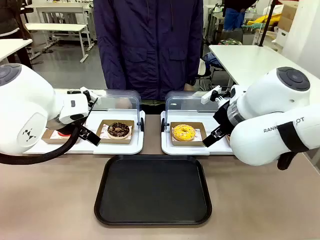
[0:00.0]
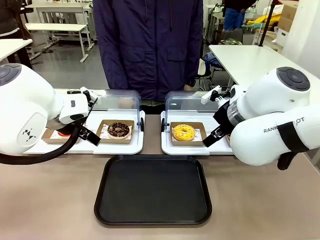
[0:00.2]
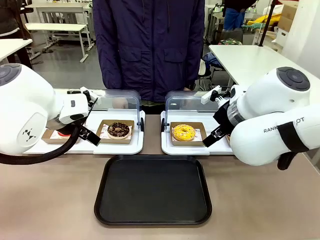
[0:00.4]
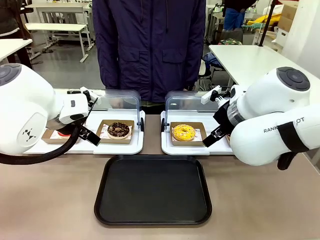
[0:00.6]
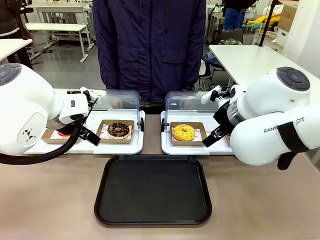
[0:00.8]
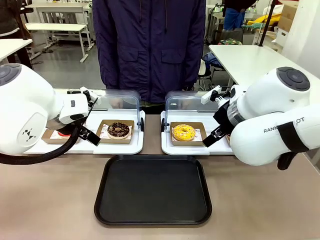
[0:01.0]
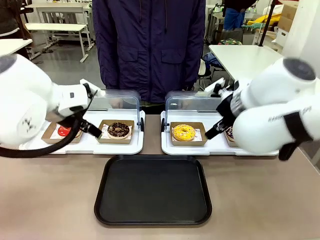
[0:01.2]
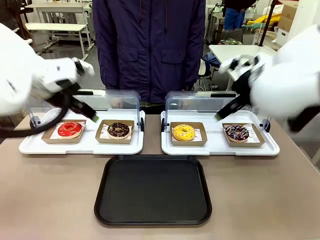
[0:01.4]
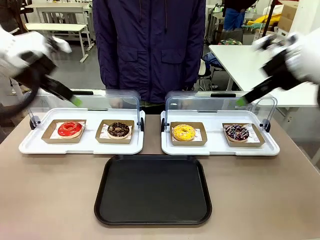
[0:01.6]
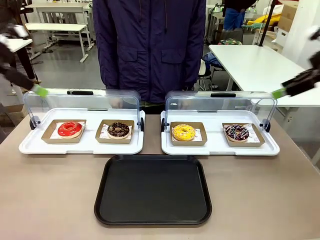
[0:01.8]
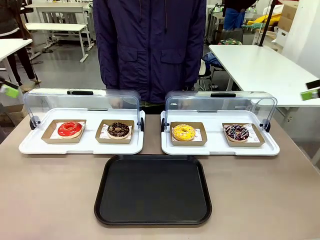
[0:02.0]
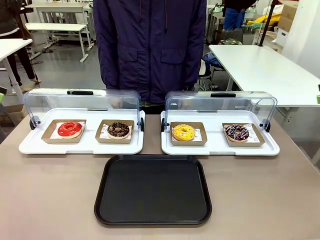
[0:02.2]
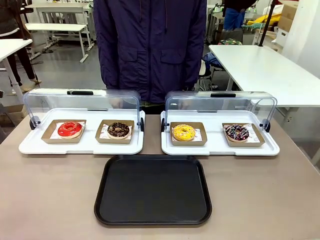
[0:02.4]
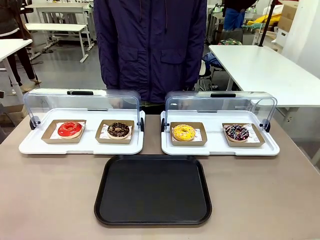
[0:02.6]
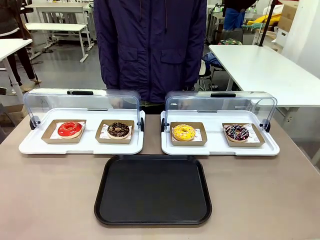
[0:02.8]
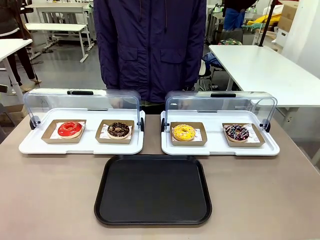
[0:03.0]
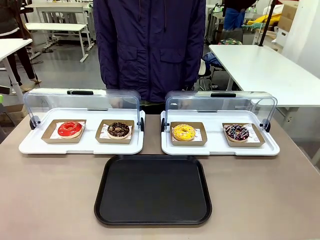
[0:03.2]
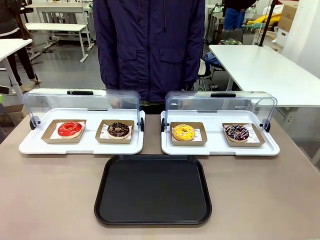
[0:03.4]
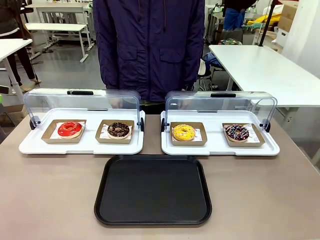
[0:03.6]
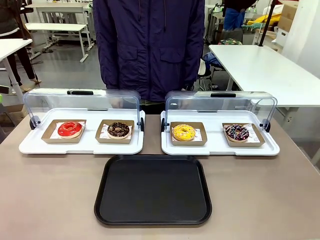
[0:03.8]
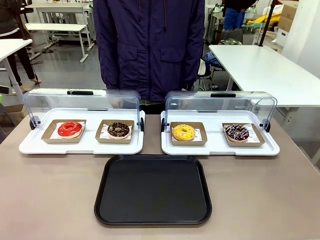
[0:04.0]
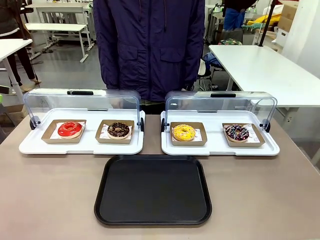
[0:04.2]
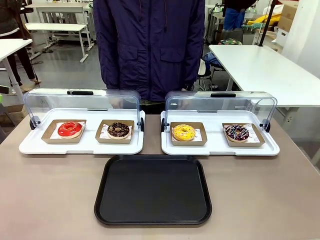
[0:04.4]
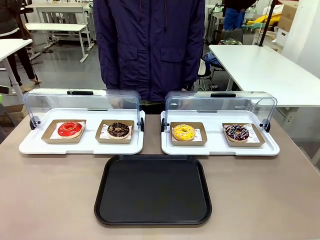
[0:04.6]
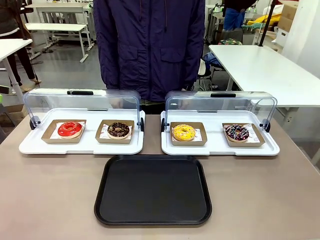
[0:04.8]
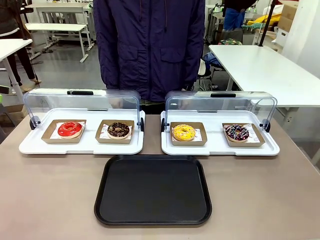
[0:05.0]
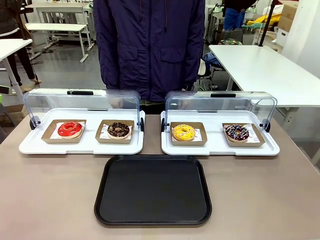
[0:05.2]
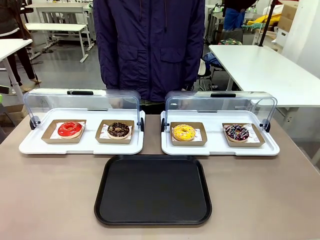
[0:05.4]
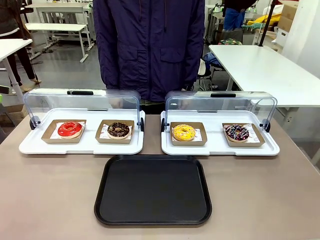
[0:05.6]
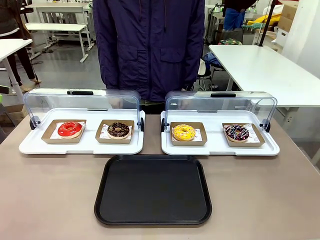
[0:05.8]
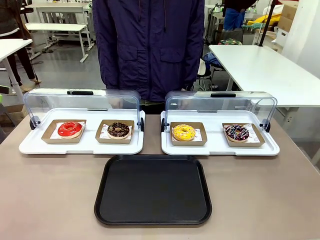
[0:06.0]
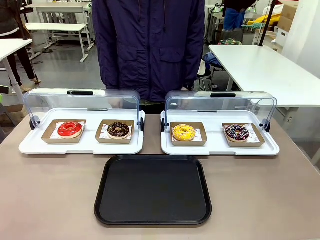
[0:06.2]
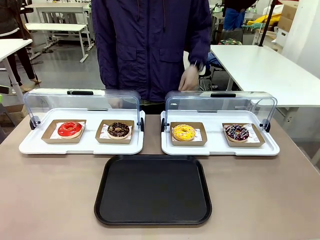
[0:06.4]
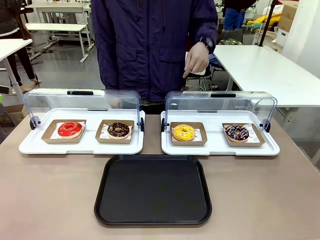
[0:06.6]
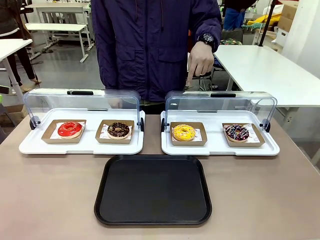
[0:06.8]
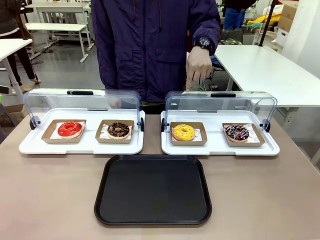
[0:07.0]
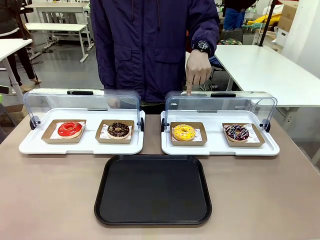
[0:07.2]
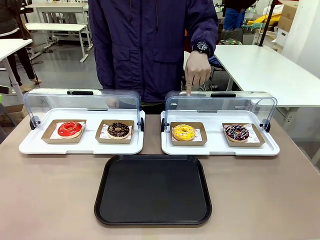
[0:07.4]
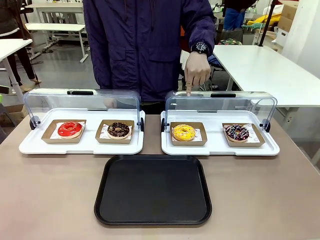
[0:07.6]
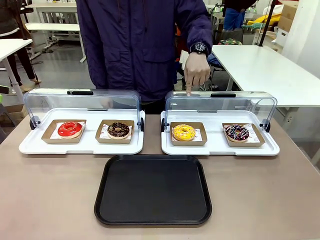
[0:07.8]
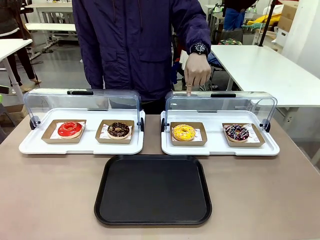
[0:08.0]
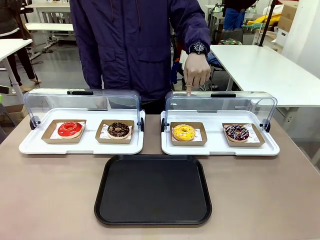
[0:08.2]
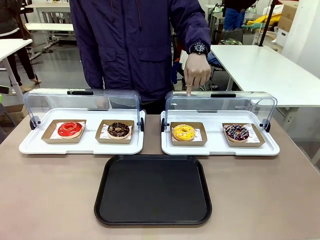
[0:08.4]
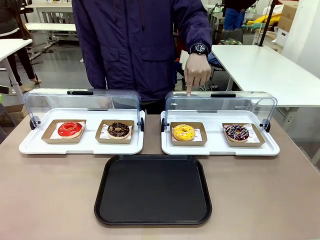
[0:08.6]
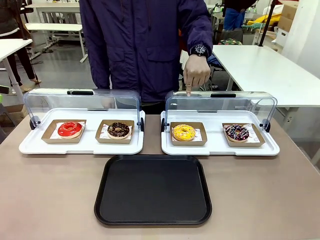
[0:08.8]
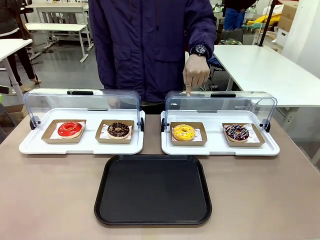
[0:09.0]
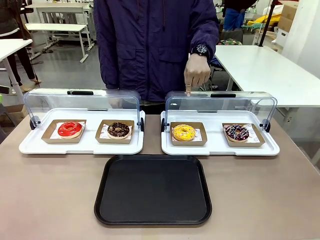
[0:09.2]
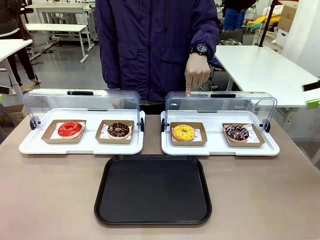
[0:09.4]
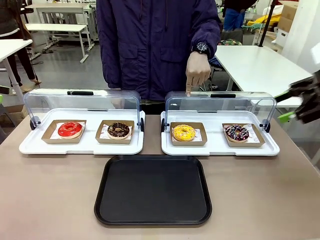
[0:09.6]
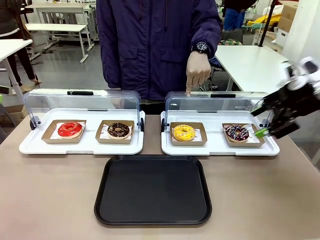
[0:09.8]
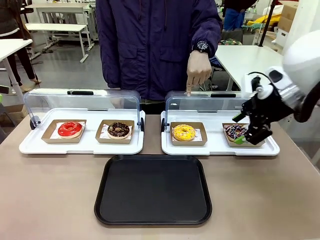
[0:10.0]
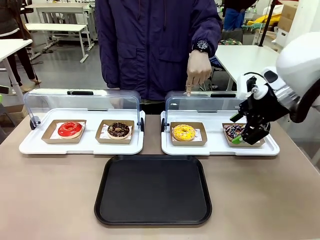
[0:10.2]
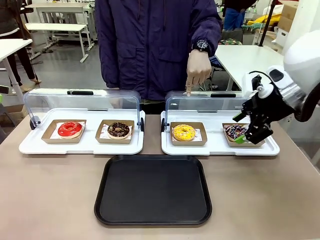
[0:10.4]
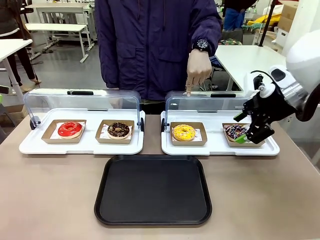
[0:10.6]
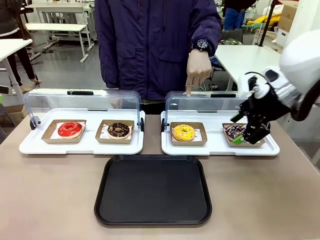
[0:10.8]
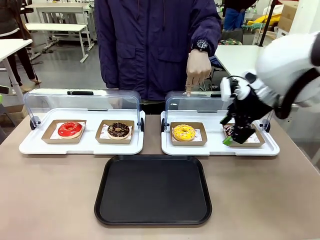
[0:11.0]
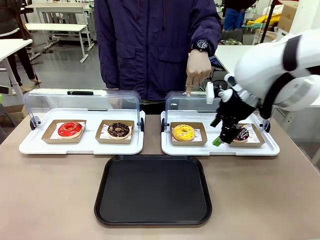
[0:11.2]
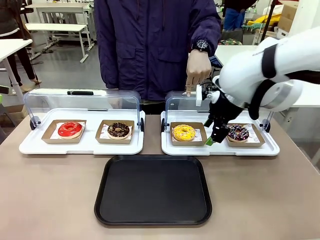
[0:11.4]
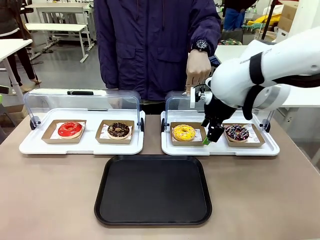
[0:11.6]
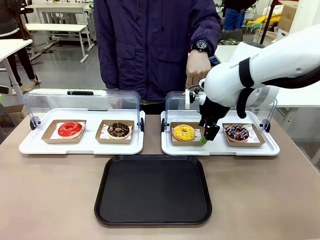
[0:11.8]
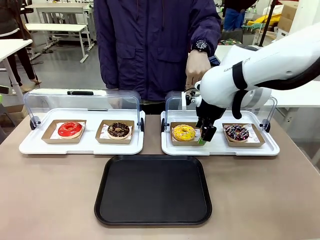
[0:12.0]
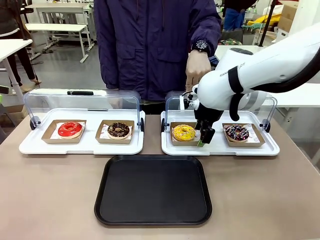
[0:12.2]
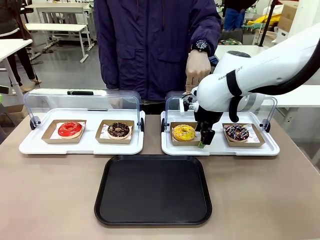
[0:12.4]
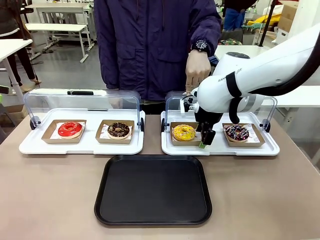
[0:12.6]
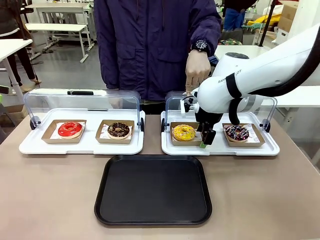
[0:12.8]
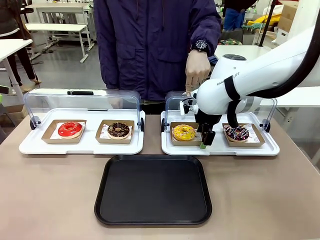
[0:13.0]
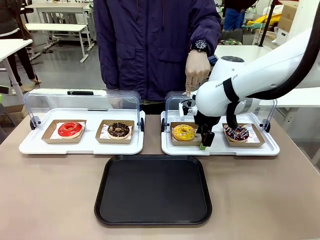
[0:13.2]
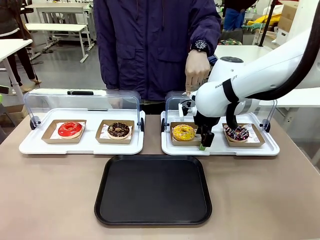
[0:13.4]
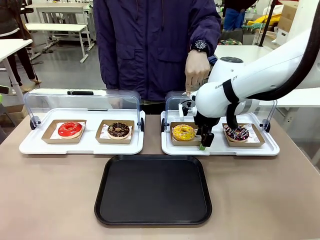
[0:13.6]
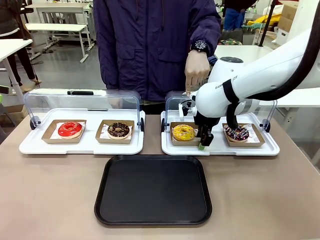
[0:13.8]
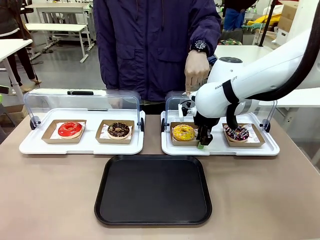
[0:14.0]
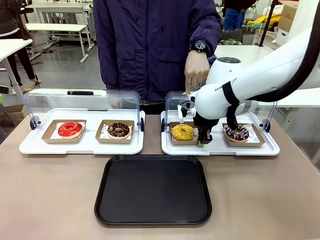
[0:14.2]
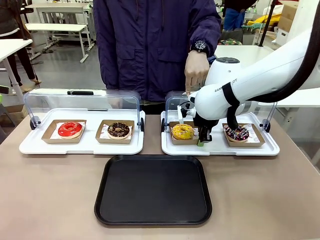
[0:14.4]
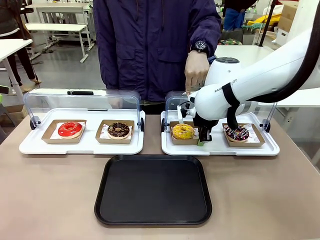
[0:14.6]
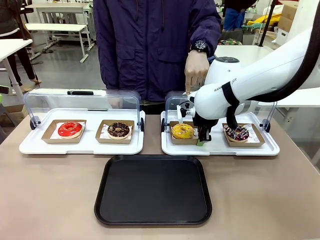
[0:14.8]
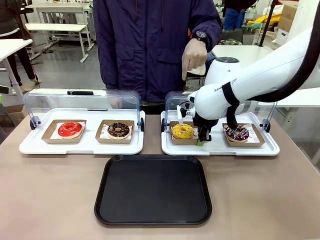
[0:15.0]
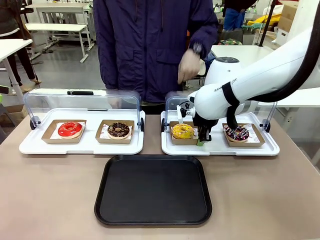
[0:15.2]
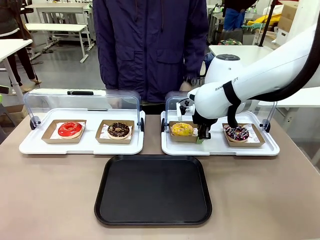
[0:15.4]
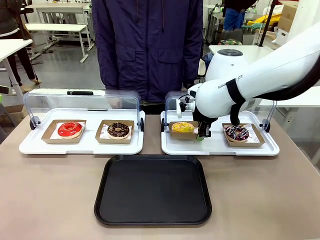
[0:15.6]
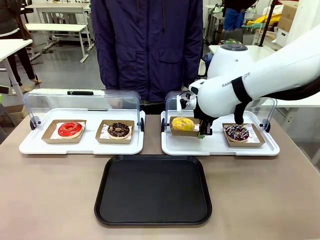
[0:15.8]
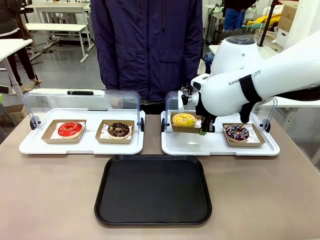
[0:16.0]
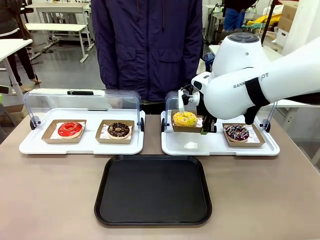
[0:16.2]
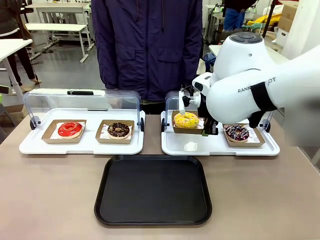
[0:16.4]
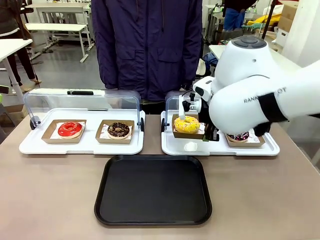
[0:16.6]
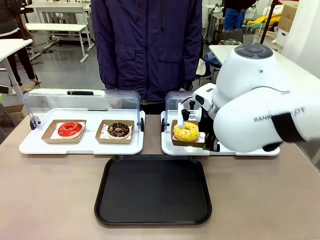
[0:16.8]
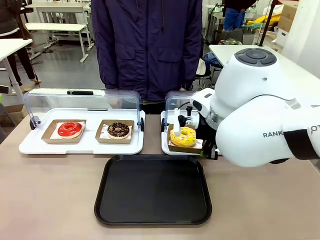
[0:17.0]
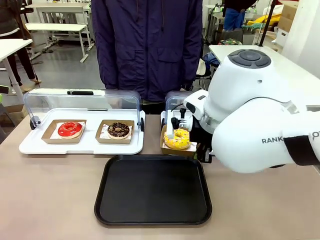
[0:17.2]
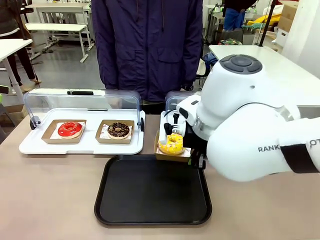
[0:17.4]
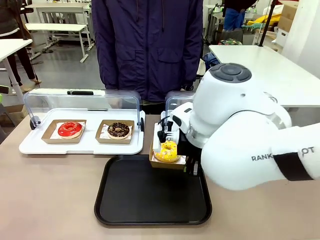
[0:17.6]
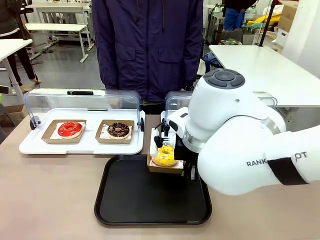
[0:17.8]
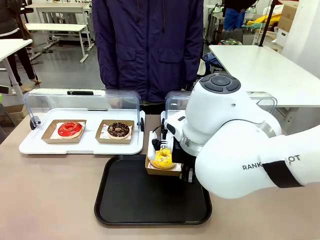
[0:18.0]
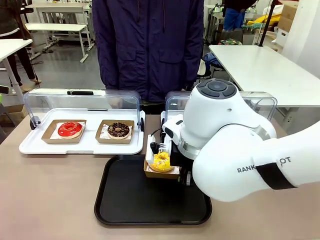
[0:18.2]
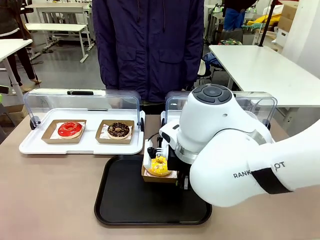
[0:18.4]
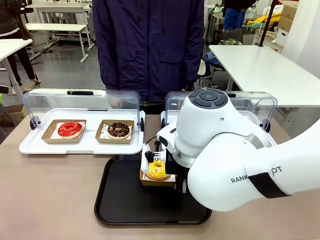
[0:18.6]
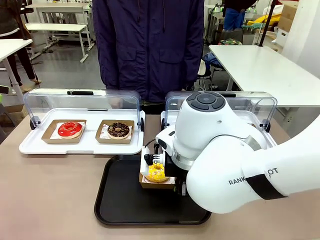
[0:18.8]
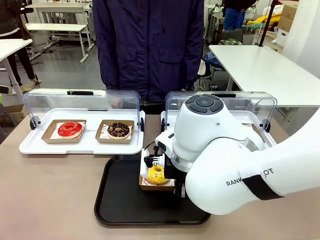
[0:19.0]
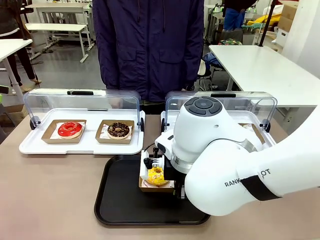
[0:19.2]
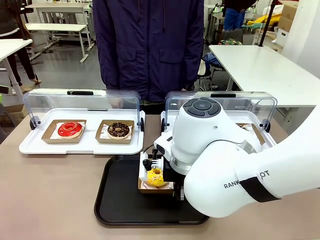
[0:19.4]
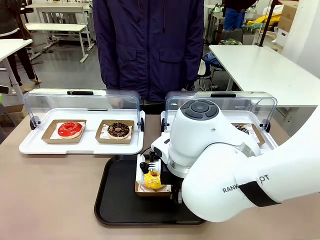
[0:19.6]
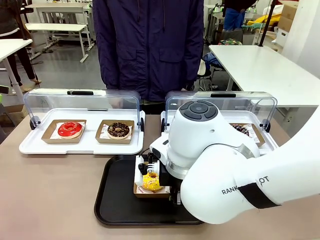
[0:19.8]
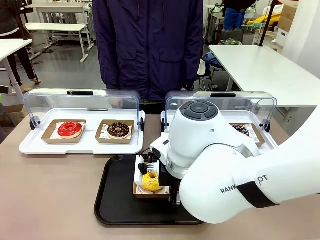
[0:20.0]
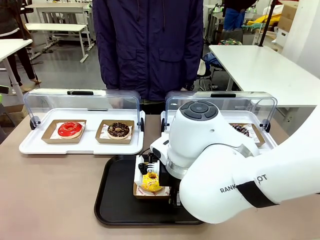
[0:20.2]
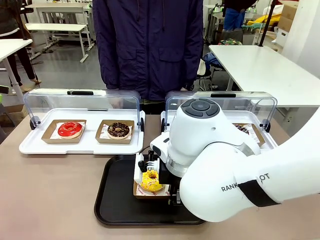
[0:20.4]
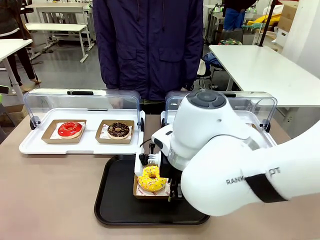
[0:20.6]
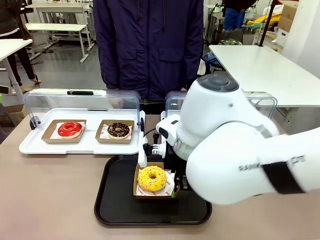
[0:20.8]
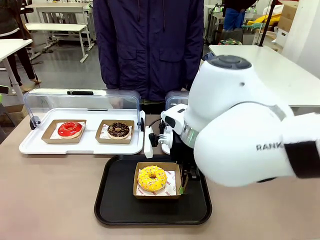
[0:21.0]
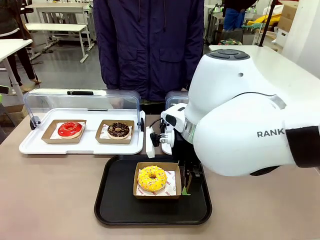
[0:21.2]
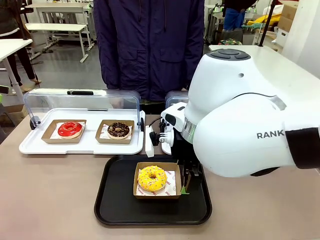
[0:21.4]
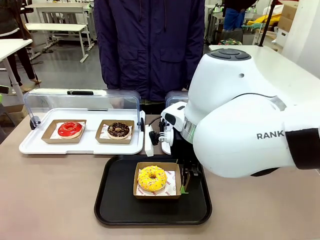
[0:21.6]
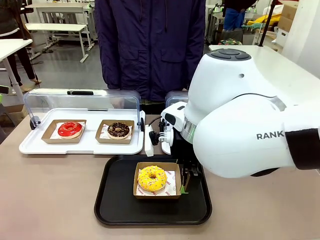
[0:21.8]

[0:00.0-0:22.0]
Task: Move the third donut from the left to the tray.
Robot: Pick up the Paper togo box containing the Donut indicated by the person and place it on the Handle tray.
Person: Points to the third donut from the left from the robot’s perspective.
